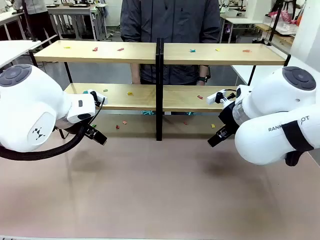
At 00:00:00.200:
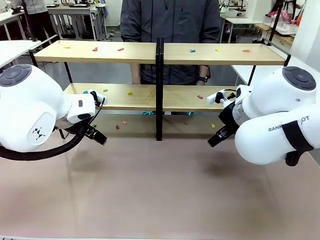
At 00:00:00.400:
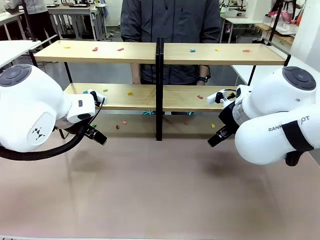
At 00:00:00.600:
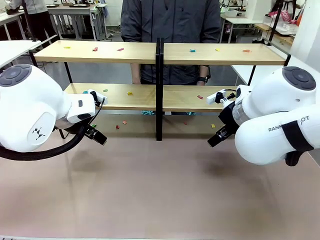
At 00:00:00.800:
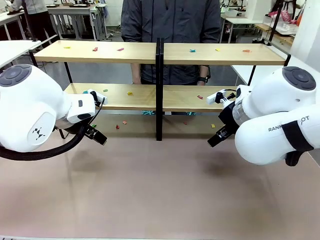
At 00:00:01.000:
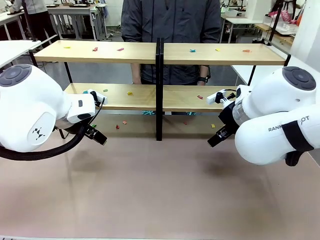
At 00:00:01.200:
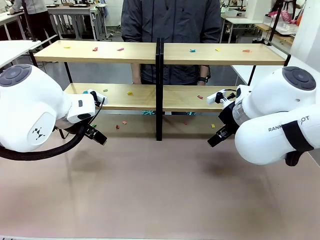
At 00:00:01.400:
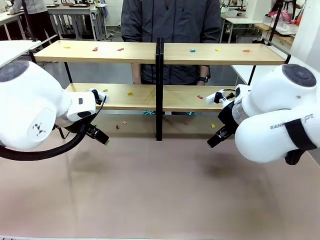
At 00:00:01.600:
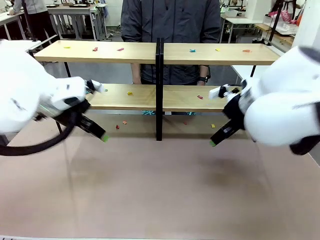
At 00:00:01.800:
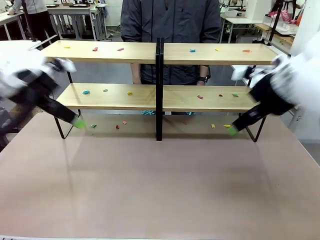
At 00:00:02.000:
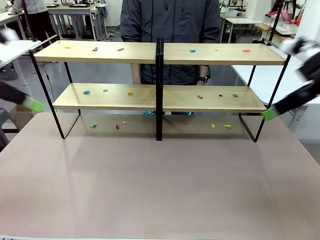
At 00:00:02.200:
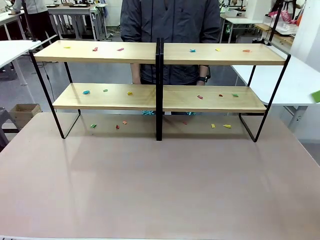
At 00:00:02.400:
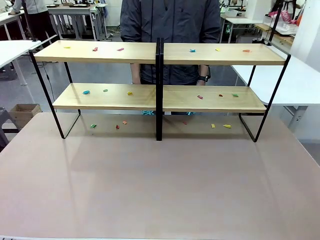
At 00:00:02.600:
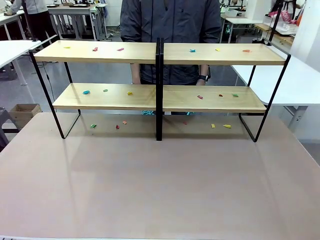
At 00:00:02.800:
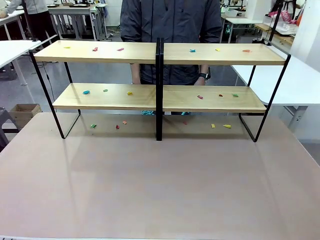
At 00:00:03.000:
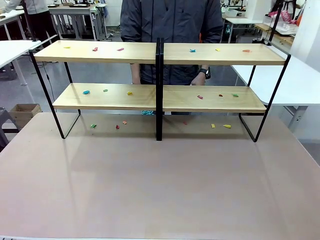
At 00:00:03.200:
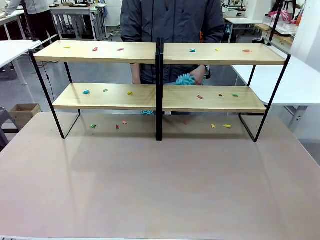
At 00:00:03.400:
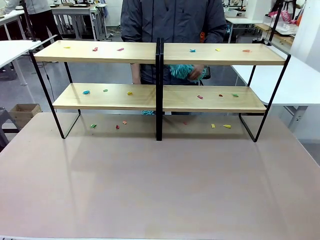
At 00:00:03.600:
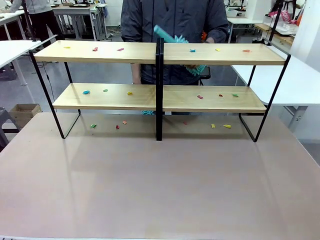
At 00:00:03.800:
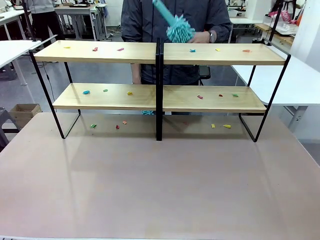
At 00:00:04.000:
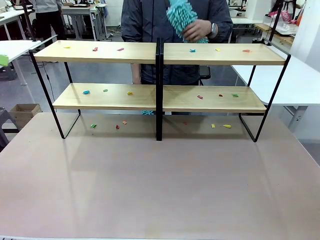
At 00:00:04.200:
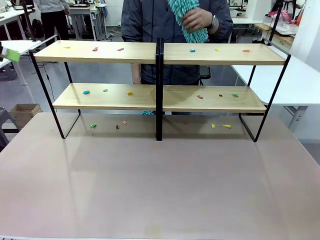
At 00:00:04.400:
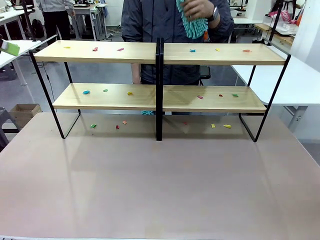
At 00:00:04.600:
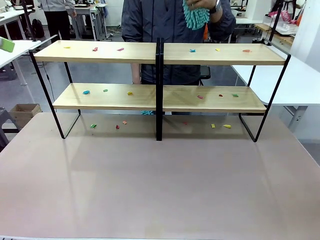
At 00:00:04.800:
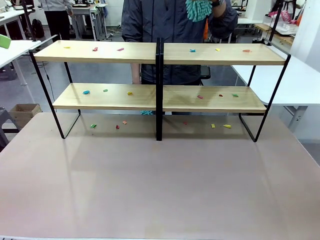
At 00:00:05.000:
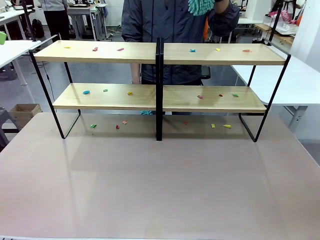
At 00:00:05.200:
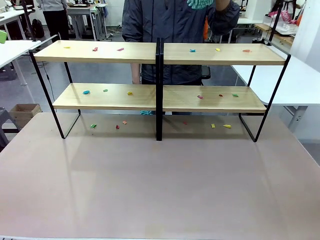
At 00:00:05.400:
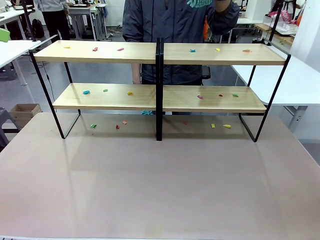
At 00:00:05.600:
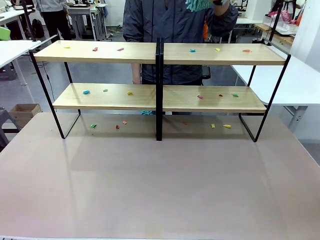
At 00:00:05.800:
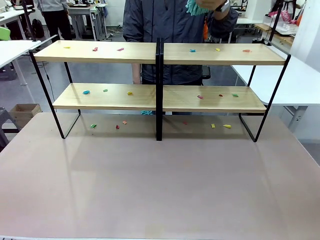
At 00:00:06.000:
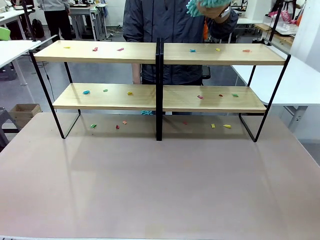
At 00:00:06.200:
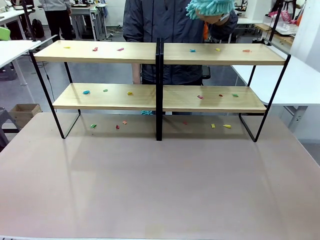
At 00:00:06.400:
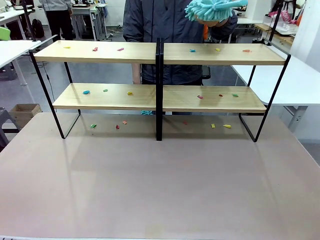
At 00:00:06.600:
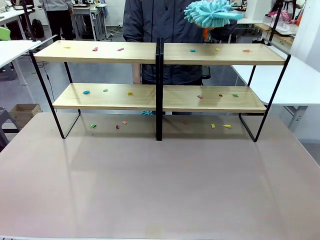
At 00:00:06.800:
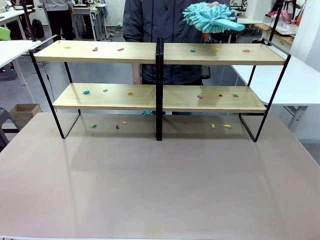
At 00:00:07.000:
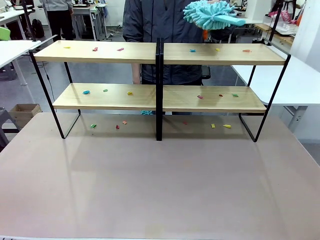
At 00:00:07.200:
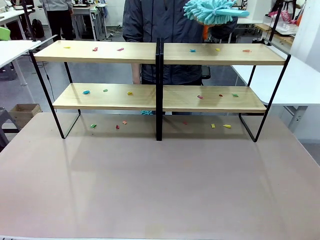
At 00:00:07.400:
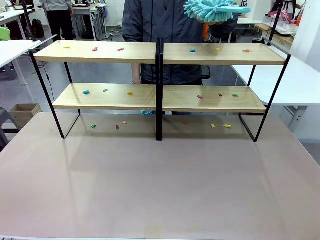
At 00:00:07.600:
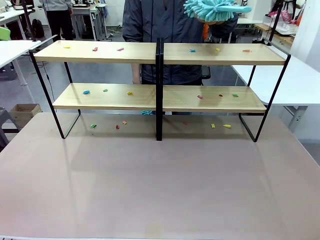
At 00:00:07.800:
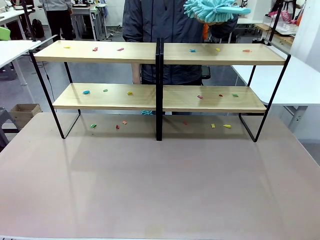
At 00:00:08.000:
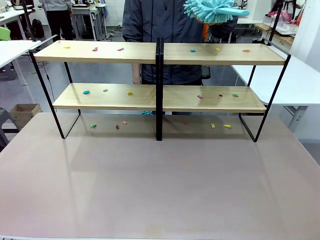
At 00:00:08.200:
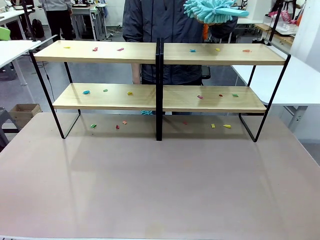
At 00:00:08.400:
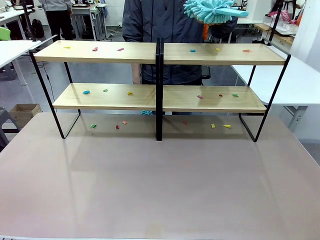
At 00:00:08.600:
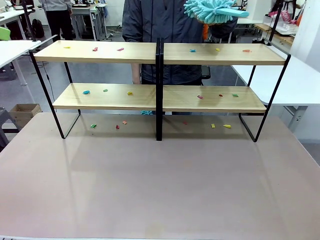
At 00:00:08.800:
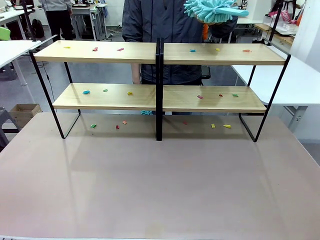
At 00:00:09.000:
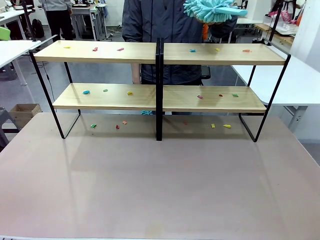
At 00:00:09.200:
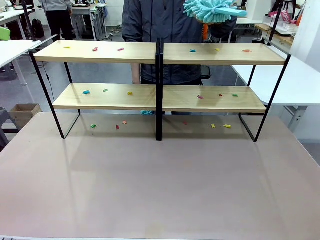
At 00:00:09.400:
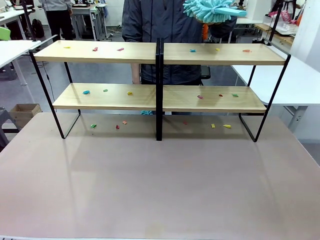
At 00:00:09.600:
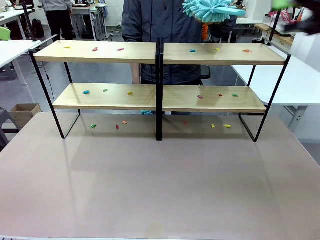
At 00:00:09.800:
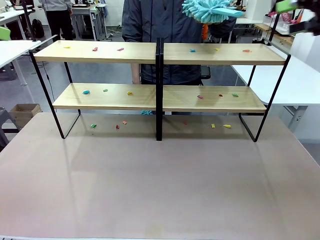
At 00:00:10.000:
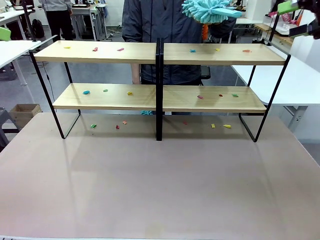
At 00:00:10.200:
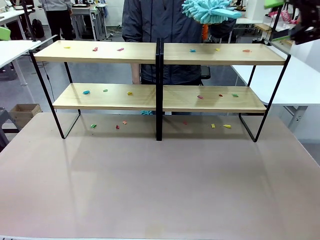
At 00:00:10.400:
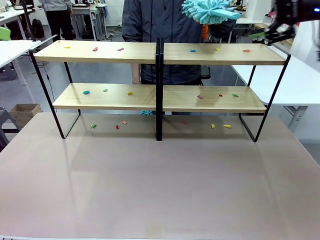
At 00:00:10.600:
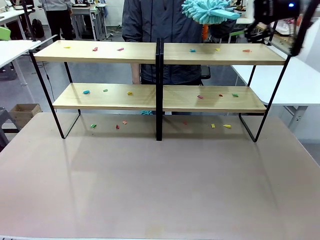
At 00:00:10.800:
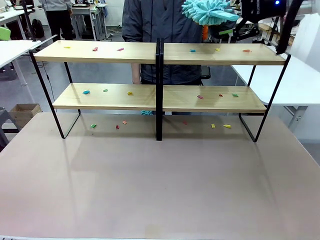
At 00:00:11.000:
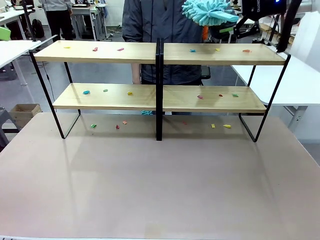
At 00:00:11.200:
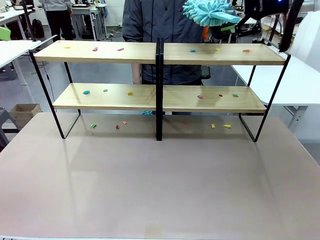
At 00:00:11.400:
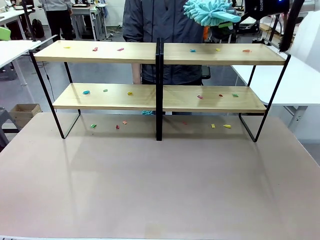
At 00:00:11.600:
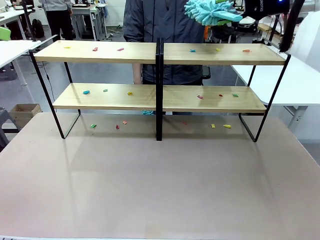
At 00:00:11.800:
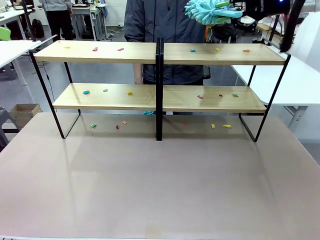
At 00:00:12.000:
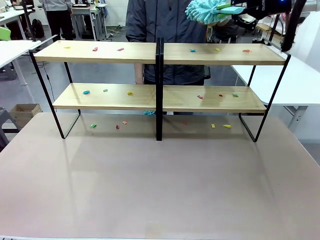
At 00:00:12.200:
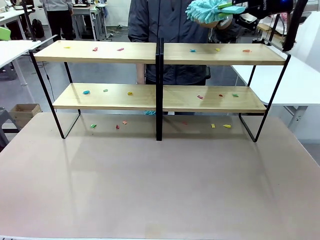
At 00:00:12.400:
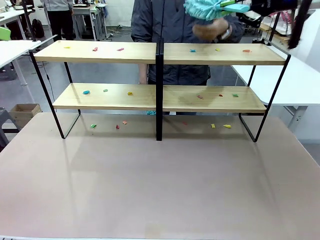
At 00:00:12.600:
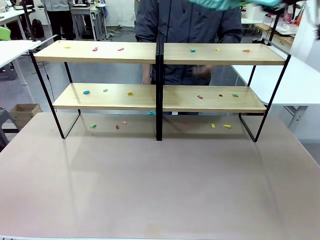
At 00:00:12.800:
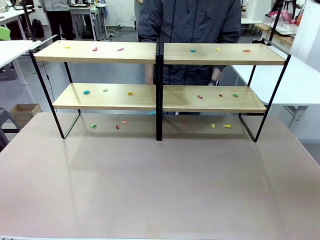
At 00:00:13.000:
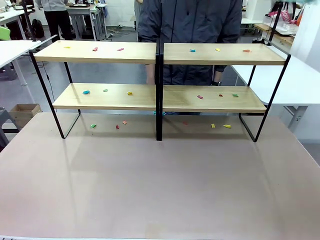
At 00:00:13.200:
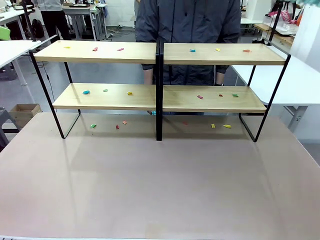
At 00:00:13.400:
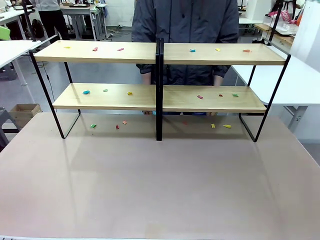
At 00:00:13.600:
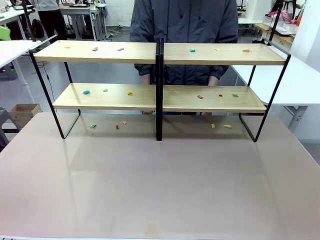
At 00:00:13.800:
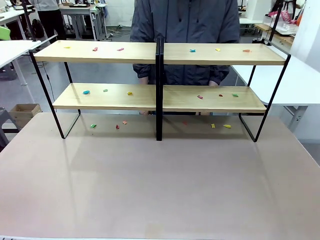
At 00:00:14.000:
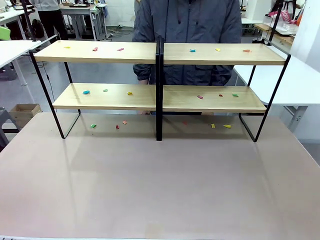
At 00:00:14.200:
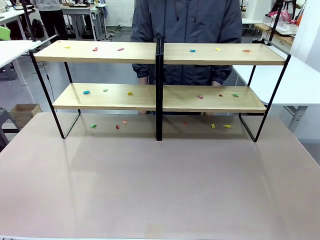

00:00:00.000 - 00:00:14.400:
Task: Clean the shelves.
Robot: Pick up the Duster when the human hands it over.
Person: Hand the Duster to the robot with your right (or left) hand.
